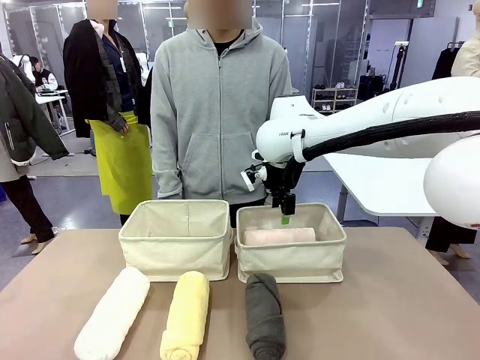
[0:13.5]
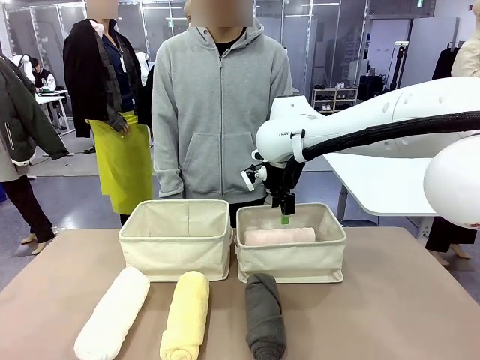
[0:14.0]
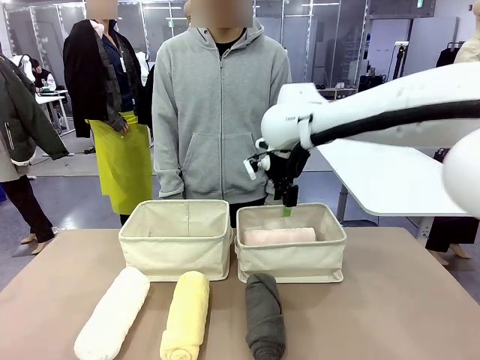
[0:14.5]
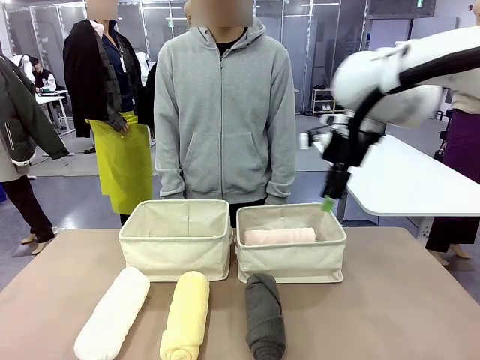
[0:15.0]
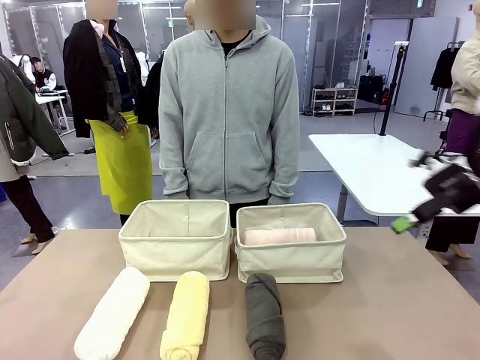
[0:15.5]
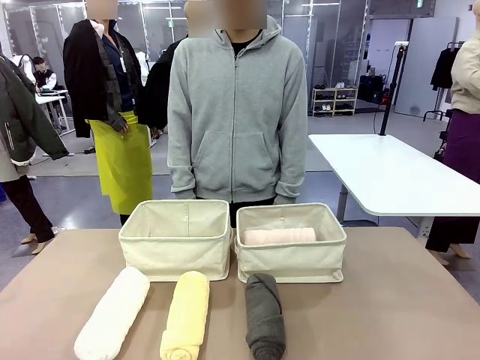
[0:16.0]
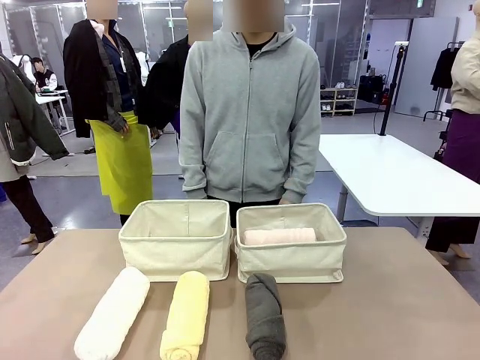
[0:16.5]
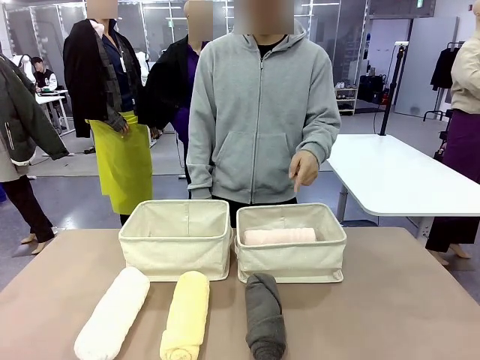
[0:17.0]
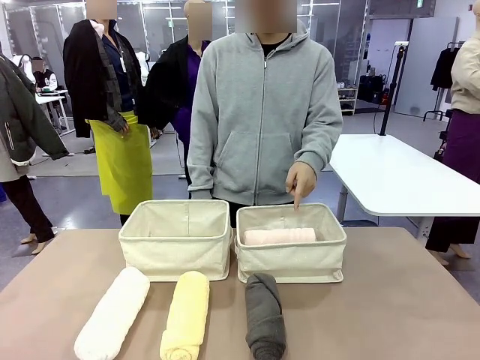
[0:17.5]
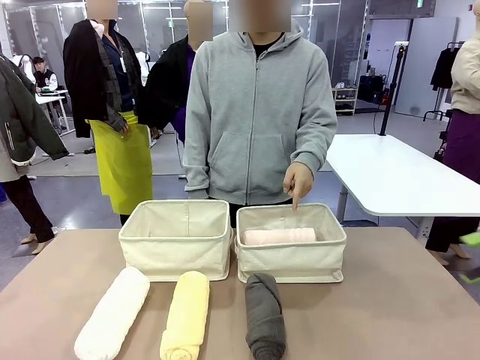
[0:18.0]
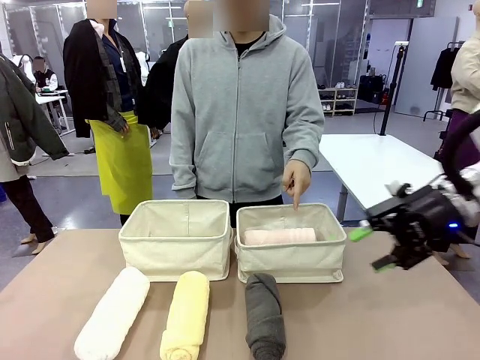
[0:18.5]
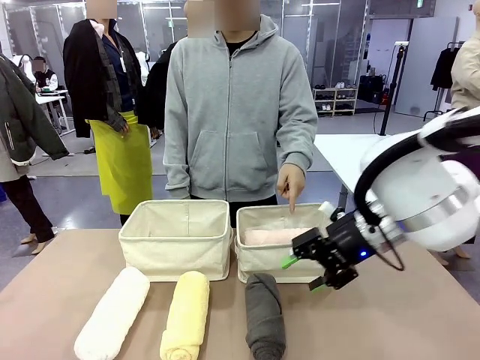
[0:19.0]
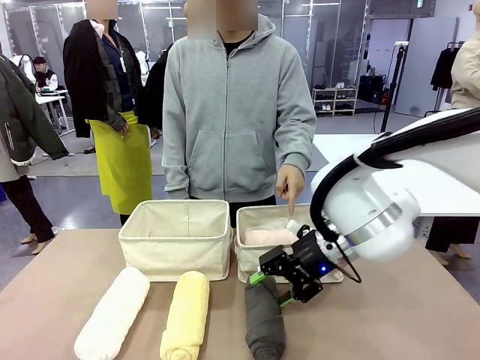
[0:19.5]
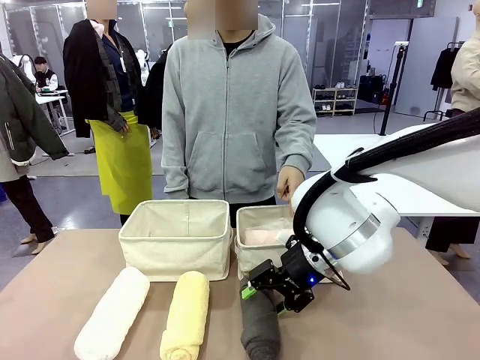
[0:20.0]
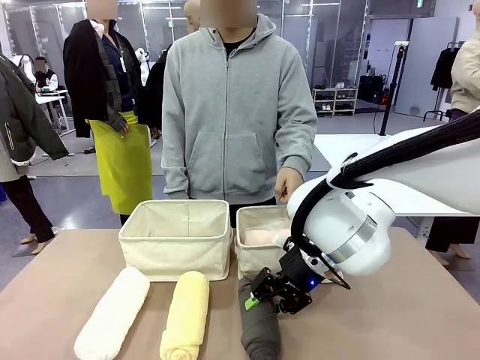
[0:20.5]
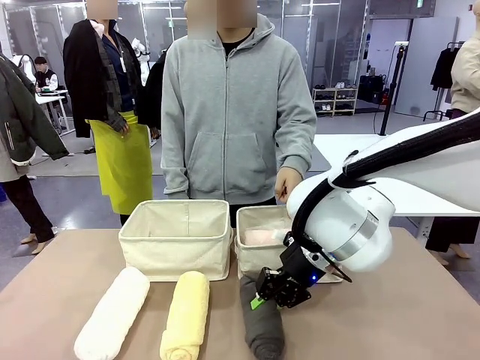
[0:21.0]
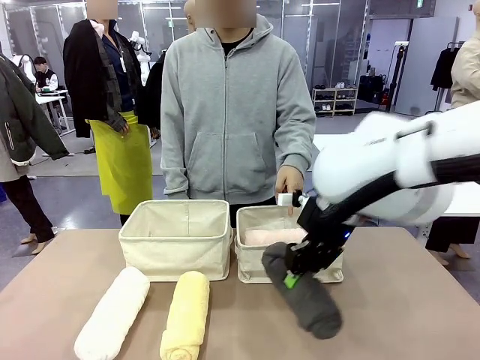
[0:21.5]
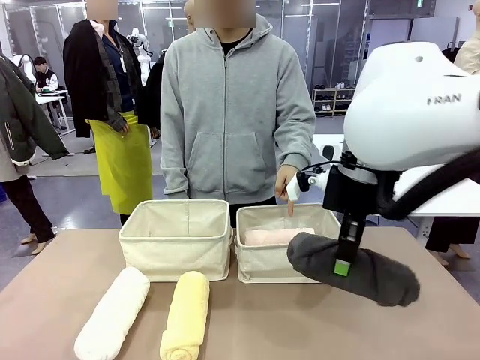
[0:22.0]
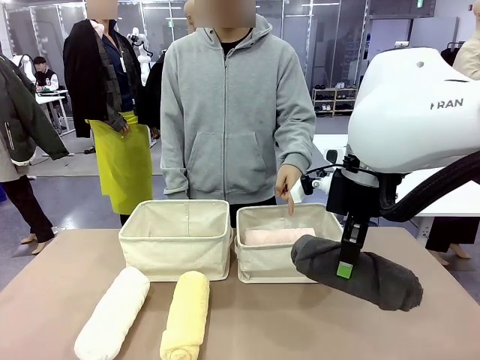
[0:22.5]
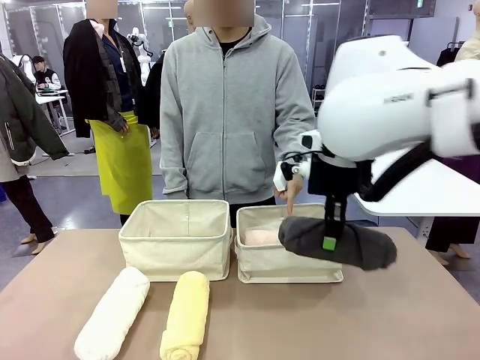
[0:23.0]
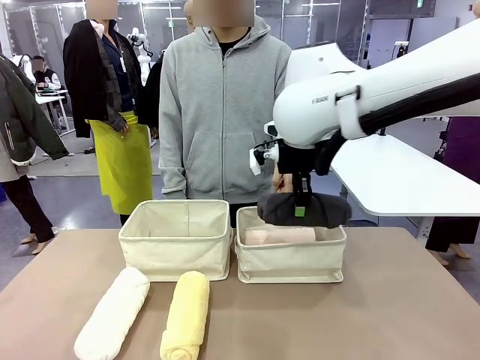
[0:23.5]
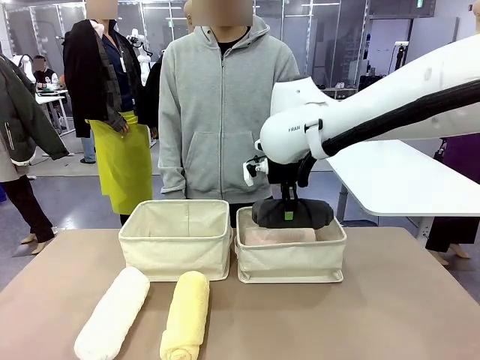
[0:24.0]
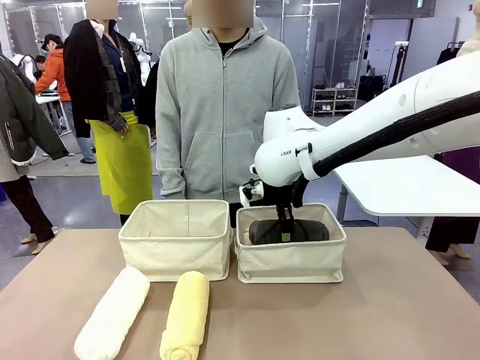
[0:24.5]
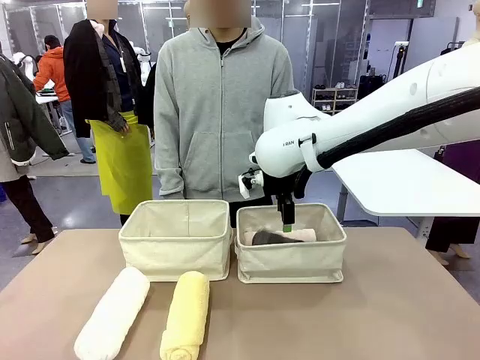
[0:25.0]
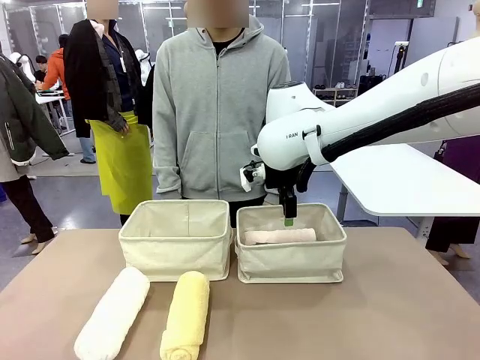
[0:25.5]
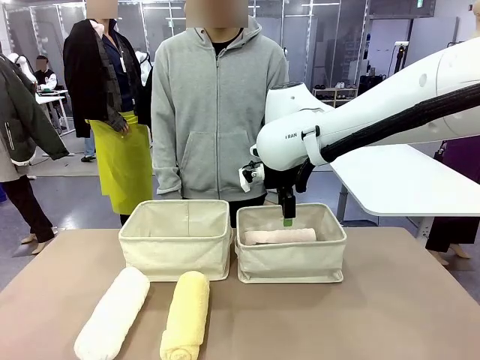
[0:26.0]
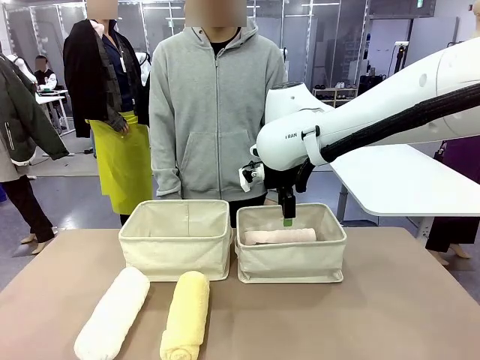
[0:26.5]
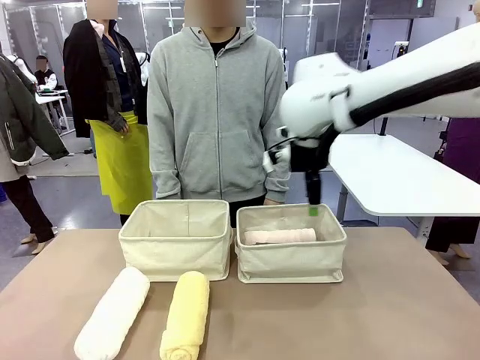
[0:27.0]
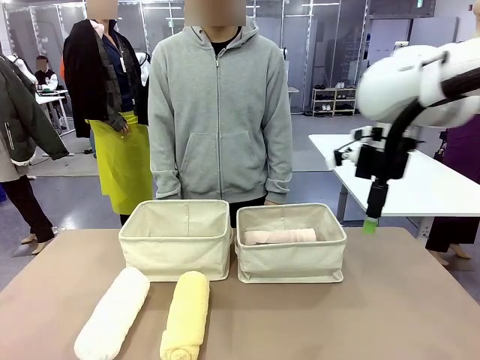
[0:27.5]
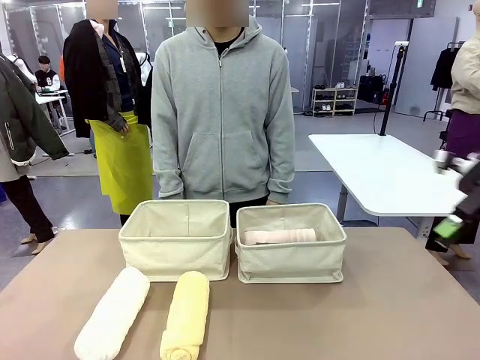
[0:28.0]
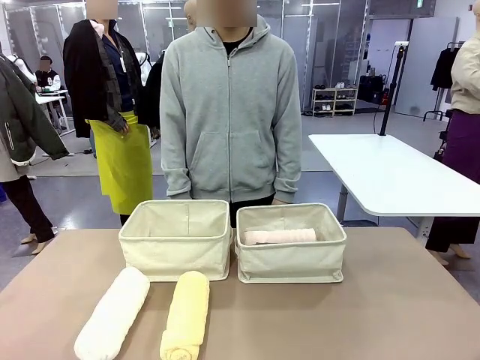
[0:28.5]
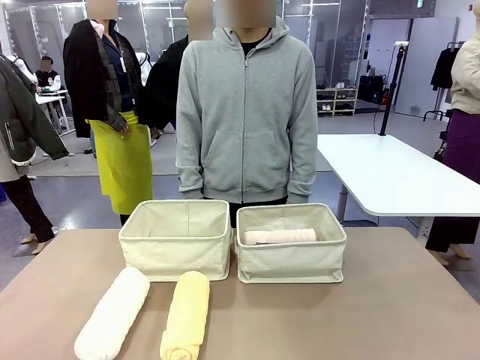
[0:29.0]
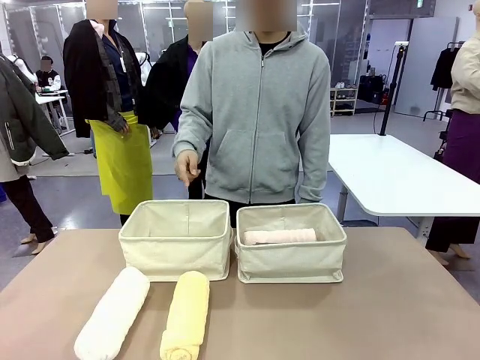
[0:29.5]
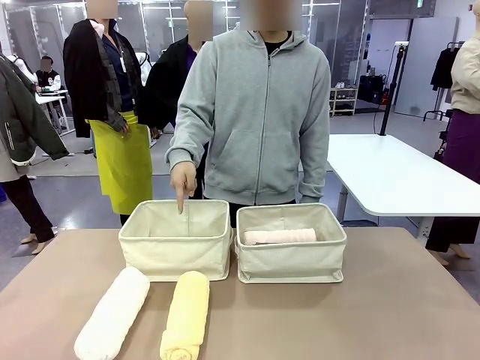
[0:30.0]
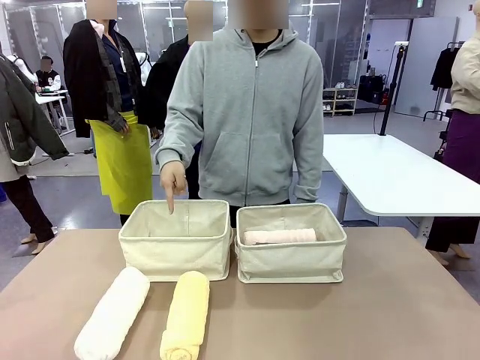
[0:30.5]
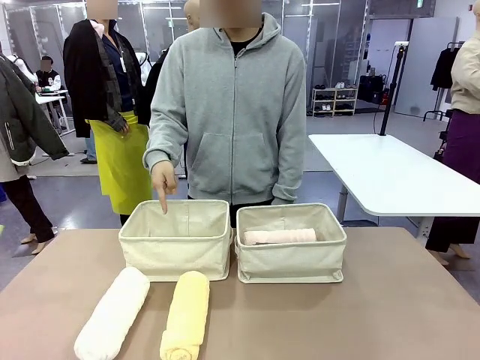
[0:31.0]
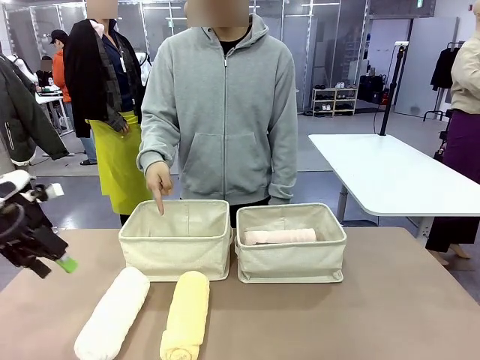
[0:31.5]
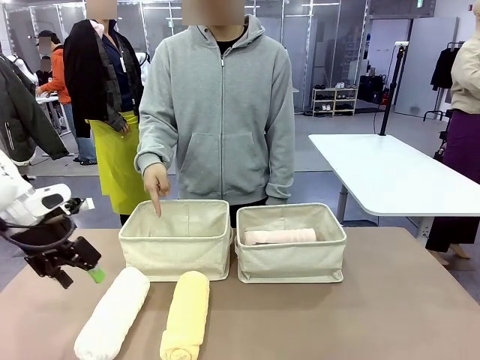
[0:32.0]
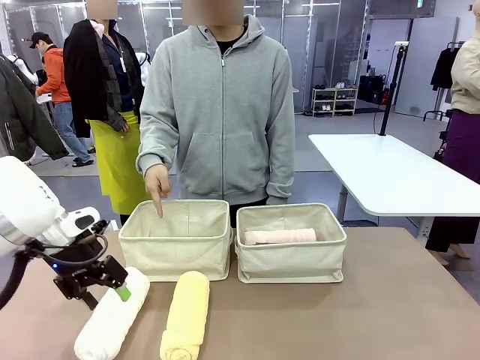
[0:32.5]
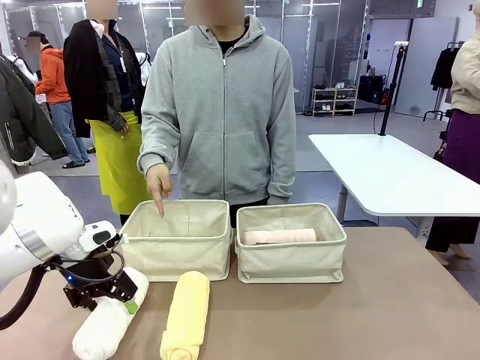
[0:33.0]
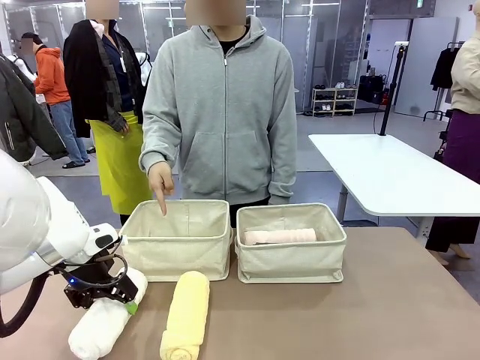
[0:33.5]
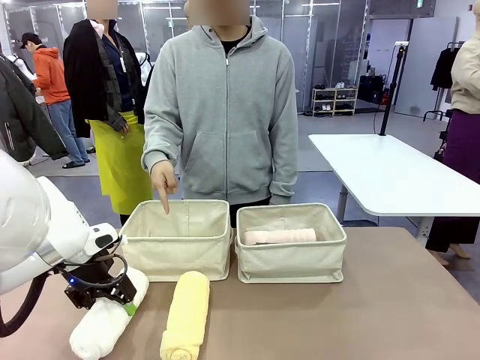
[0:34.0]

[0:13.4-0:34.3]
Task: Divide the towels into two baskets.
Robot: Pick up one hotel-folded towel from the bottom of the table and place it in the Fabric basket indicated by the person.
